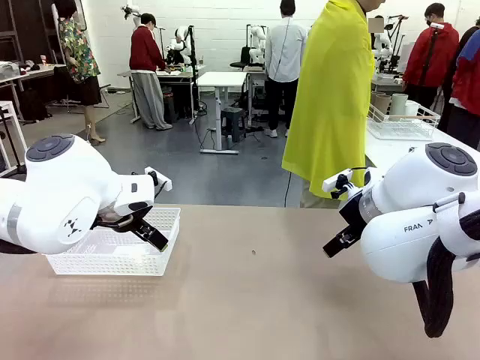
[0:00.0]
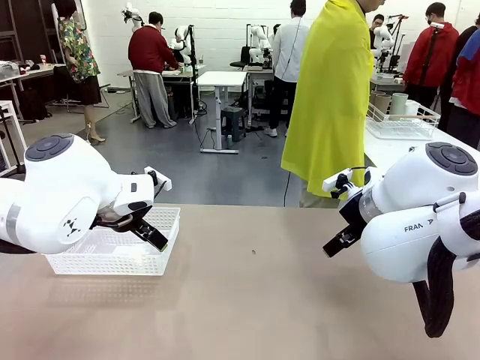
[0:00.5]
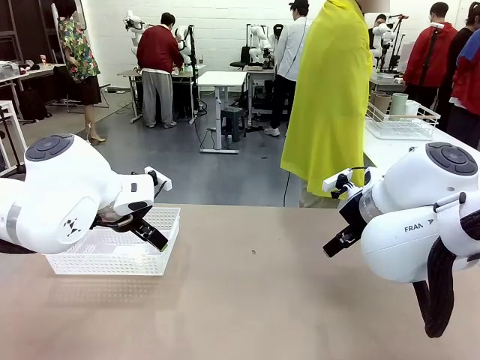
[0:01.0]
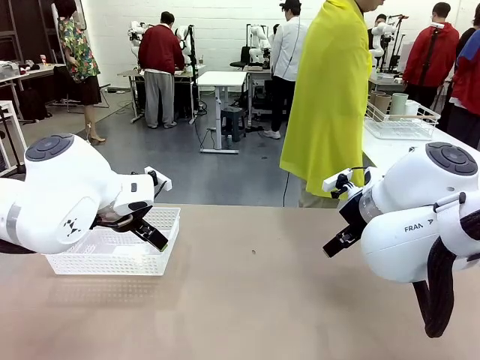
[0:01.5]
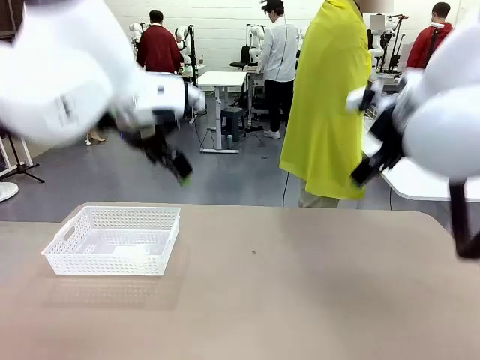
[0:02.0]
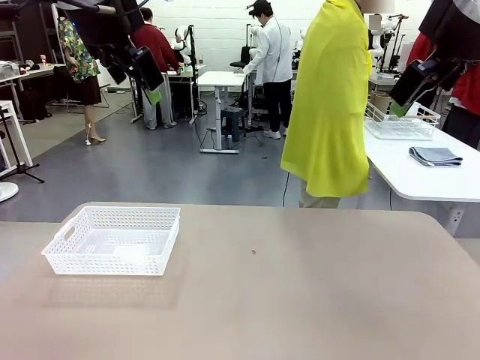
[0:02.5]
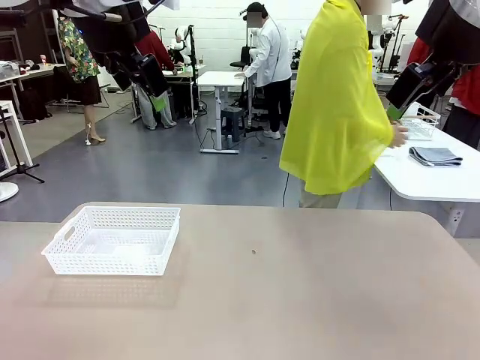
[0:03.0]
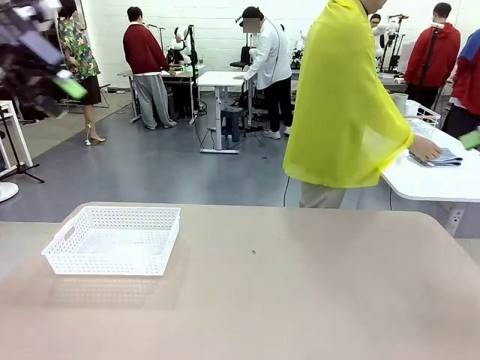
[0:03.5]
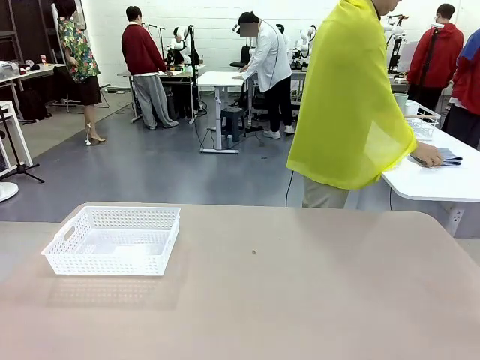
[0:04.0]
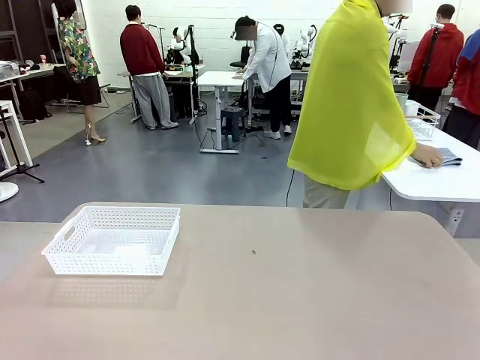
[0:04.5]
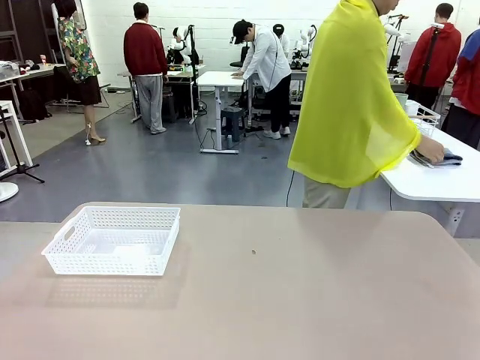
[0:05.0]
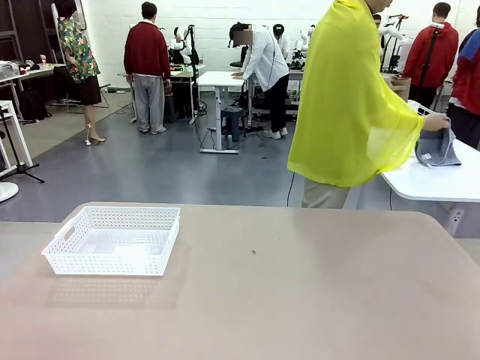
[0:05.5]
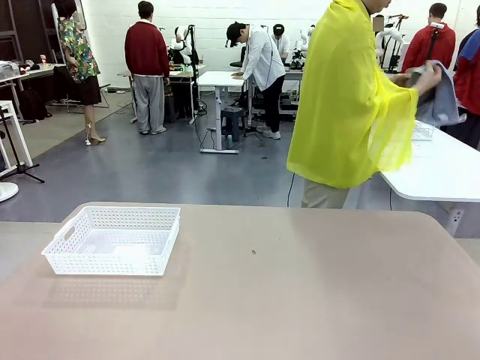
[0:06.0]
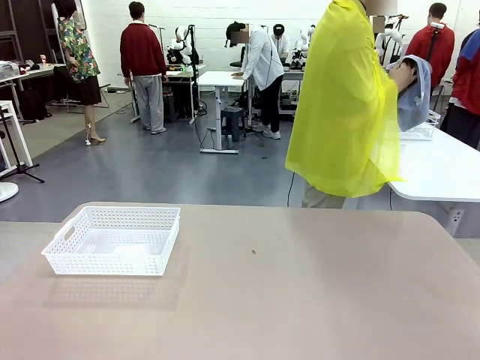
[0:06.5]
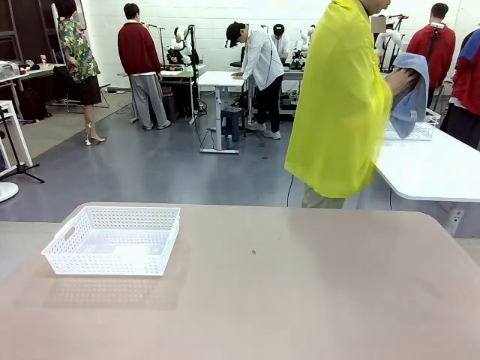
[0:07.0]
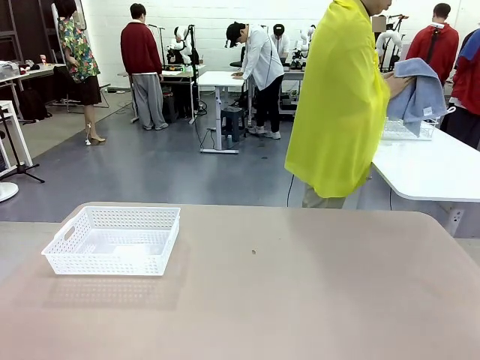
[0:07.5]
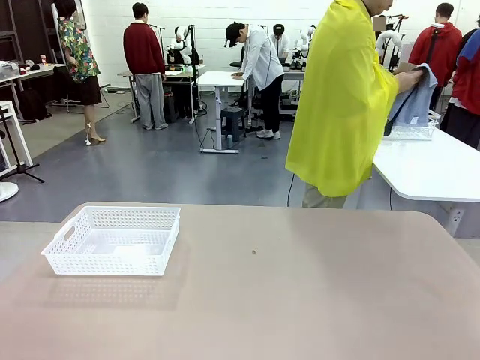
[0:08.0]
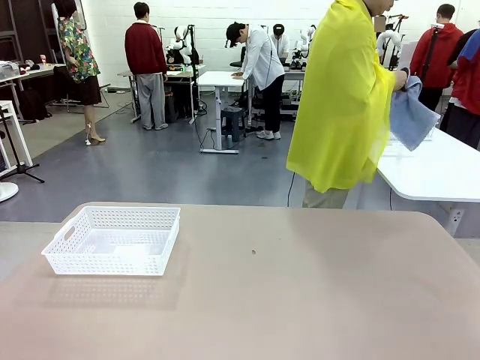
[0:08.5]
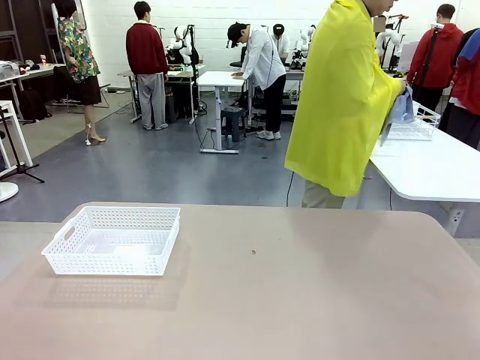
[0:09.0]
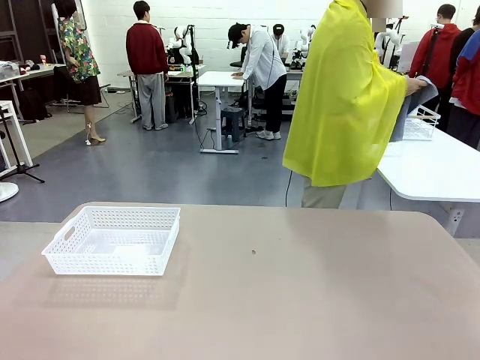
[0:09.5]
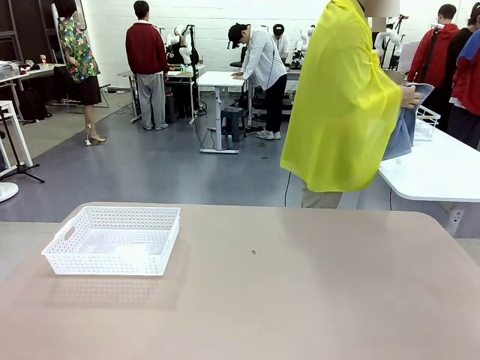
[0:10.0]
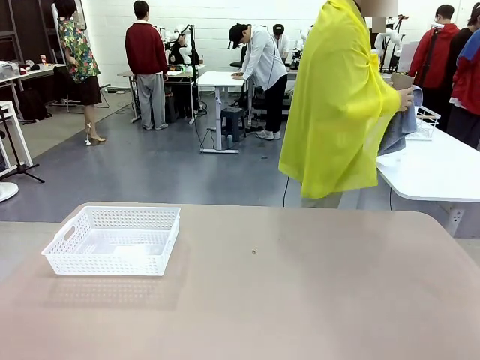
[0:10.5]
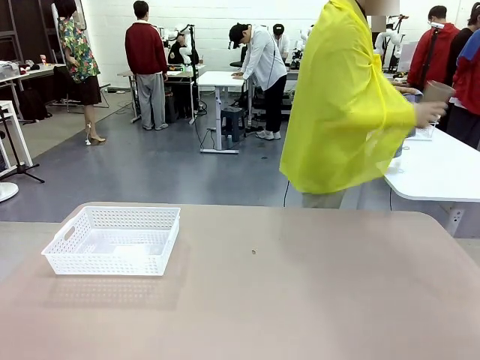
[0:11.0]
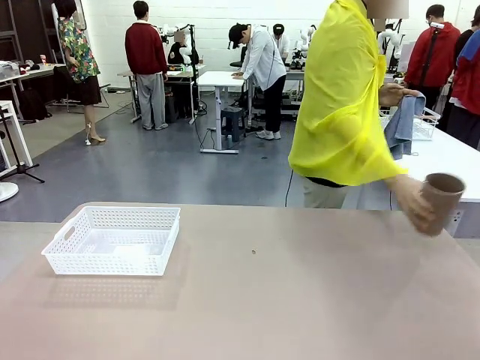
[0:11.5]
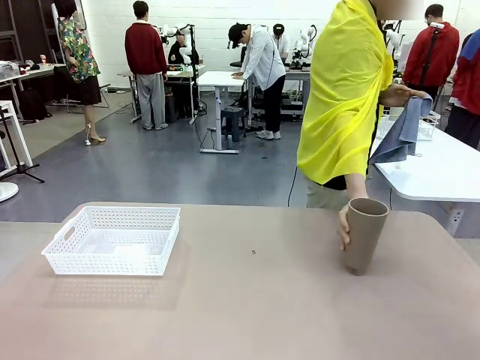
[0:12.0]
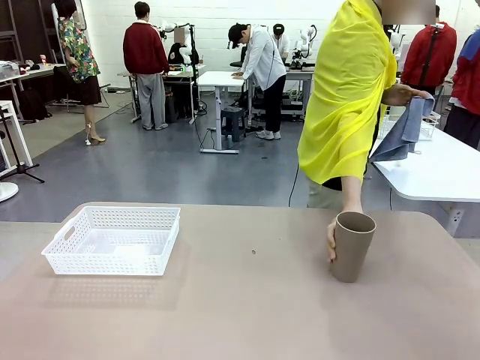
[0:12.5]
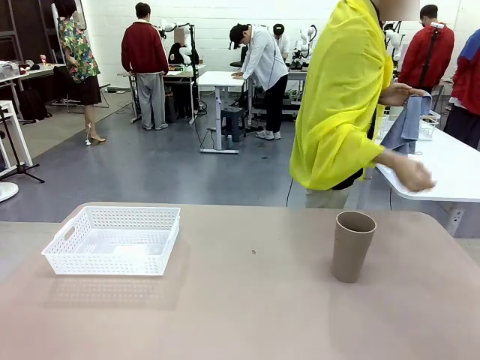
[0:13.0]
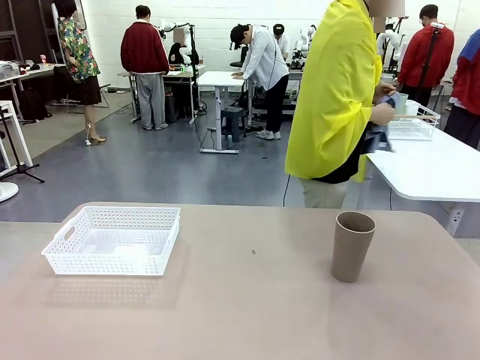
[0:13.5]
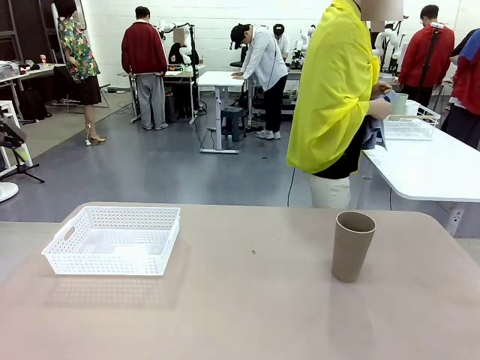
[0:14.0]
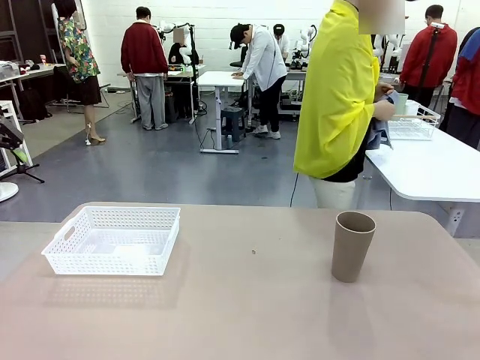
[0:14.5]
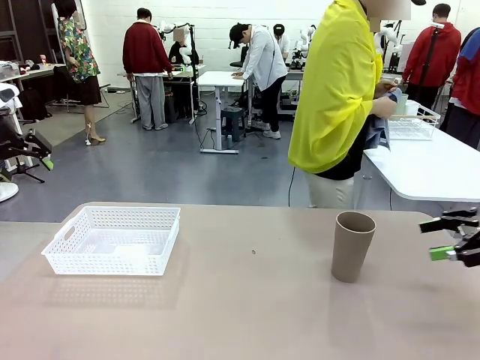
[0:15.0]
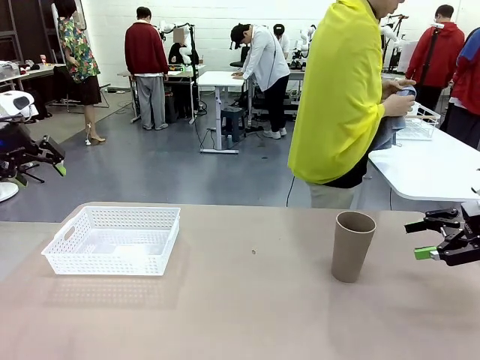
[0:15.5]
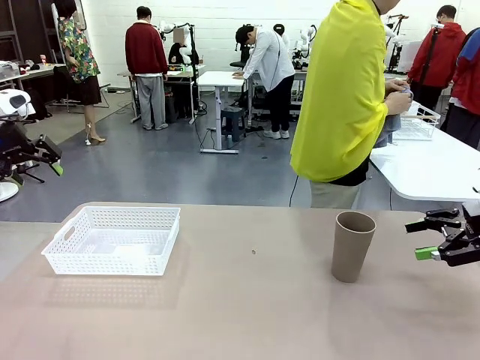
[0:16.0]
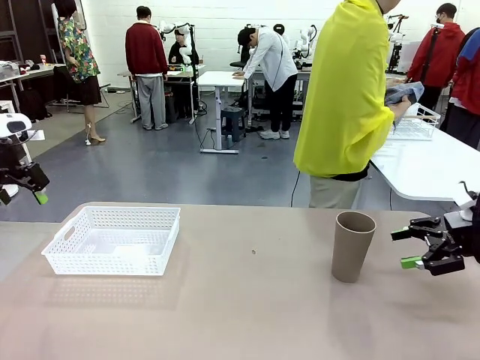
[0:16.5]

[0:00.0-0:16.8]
Task: Clean and organize the cups into the basket.
Robot: Pick up the Organizing basket and move it to the center of the table, then pick up the Reusable plastic cup from the right side of the table and place it inside the Organizing basket.
Person: Picks up a cup and a towel, cleans the cup with the towel, and places it on the left side of the robot table.
